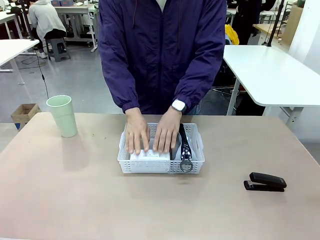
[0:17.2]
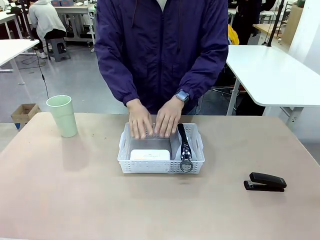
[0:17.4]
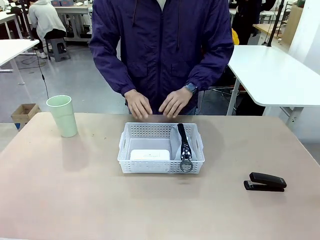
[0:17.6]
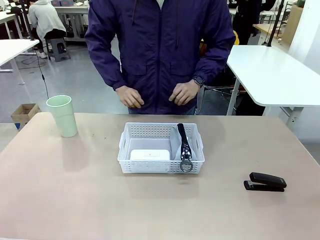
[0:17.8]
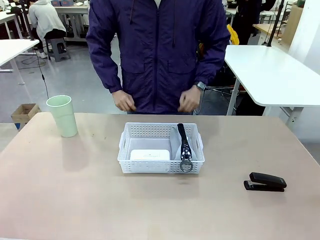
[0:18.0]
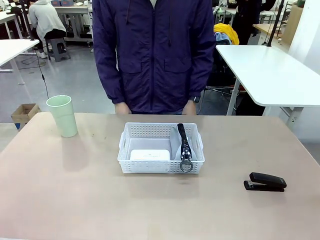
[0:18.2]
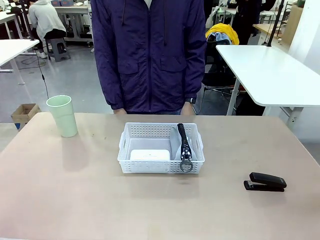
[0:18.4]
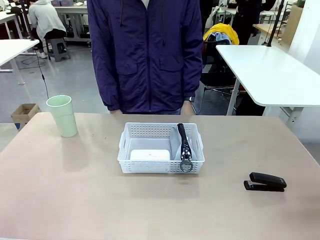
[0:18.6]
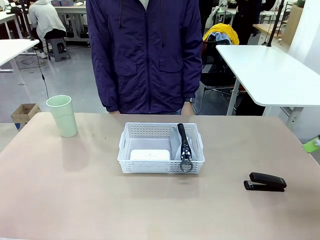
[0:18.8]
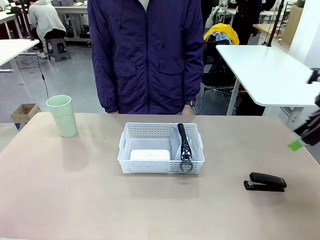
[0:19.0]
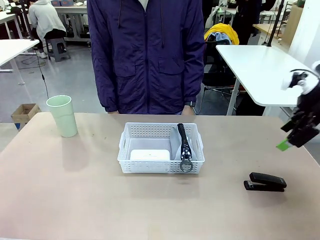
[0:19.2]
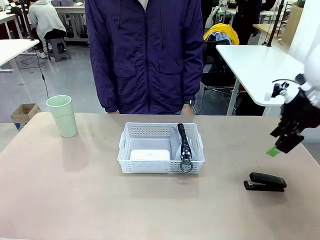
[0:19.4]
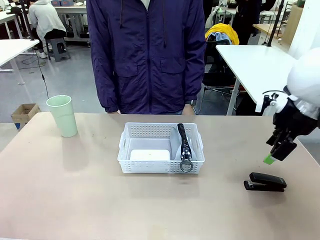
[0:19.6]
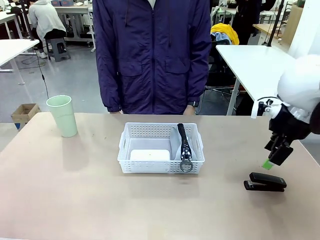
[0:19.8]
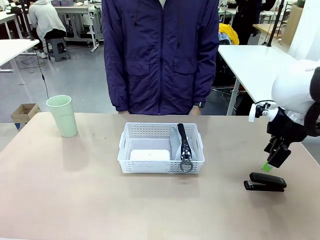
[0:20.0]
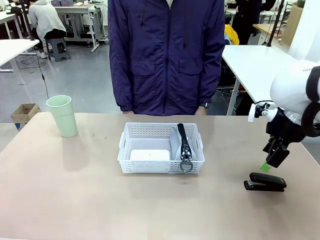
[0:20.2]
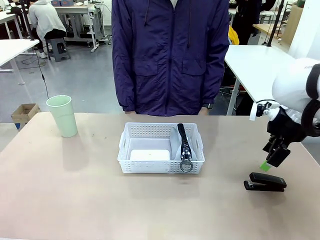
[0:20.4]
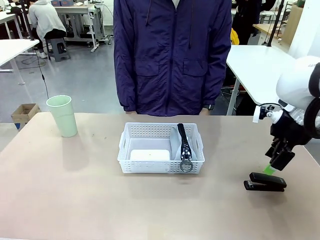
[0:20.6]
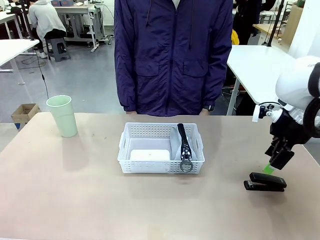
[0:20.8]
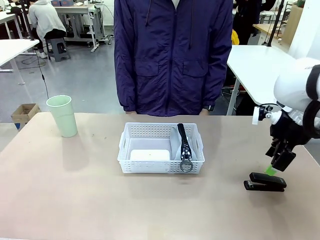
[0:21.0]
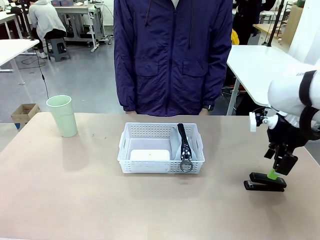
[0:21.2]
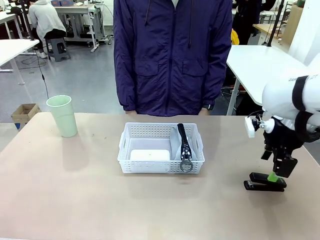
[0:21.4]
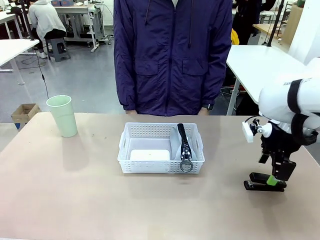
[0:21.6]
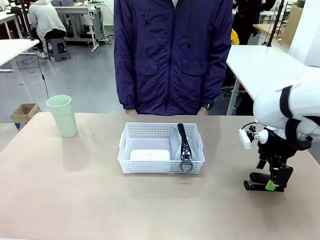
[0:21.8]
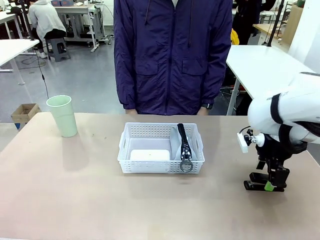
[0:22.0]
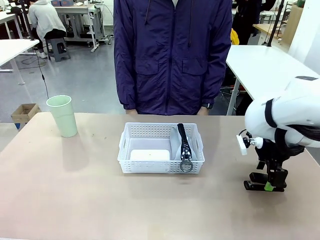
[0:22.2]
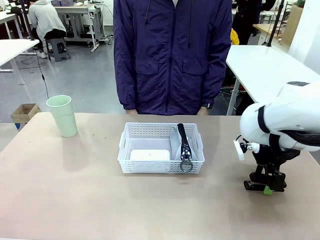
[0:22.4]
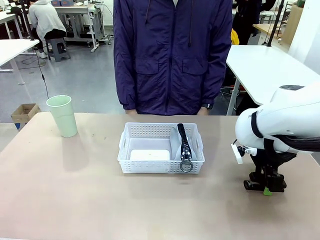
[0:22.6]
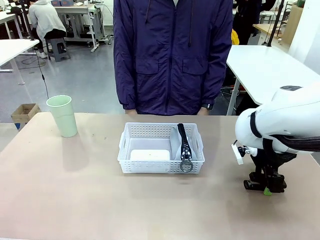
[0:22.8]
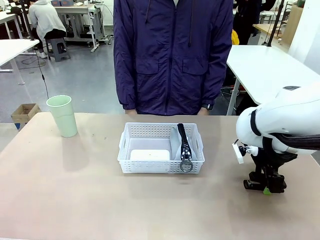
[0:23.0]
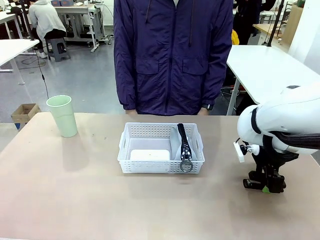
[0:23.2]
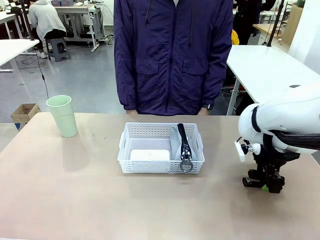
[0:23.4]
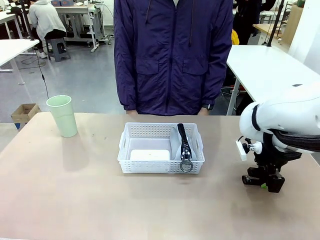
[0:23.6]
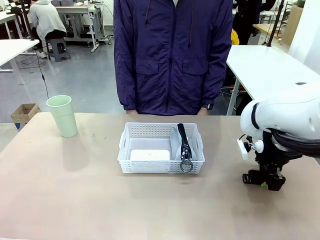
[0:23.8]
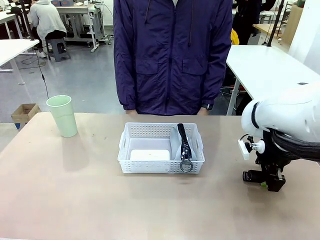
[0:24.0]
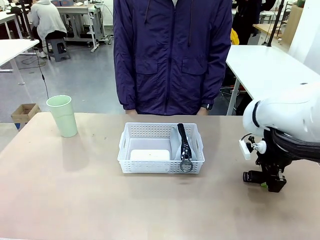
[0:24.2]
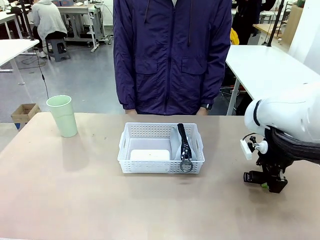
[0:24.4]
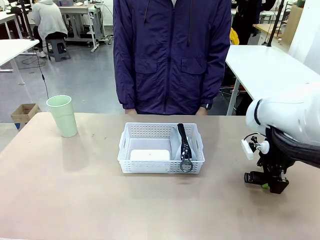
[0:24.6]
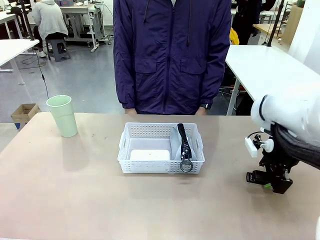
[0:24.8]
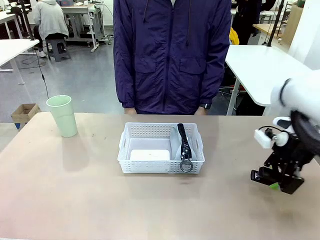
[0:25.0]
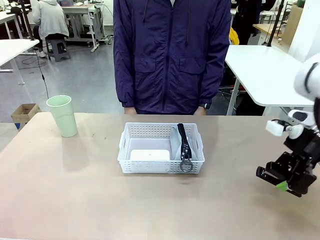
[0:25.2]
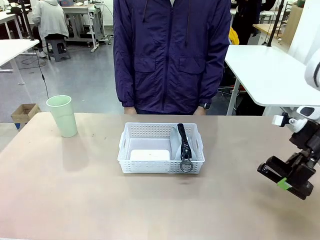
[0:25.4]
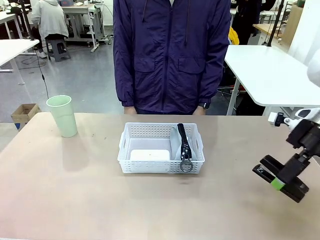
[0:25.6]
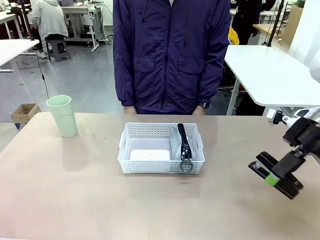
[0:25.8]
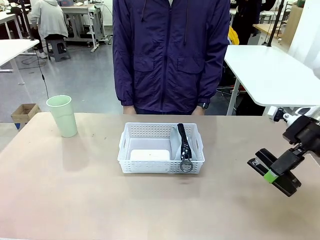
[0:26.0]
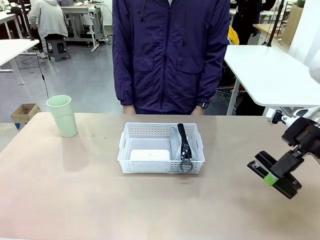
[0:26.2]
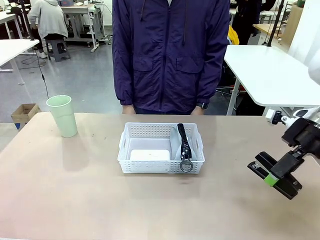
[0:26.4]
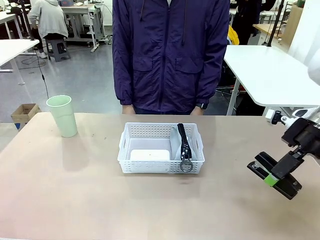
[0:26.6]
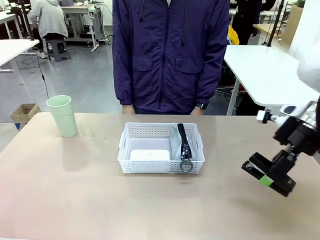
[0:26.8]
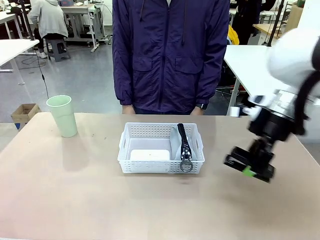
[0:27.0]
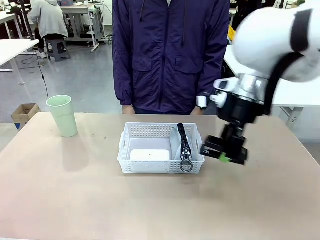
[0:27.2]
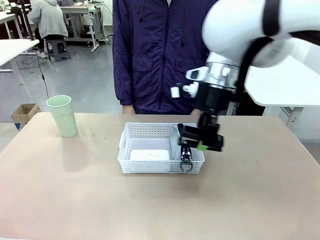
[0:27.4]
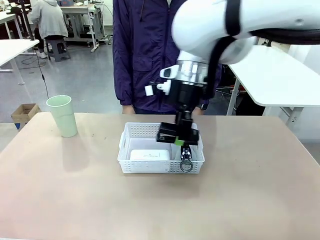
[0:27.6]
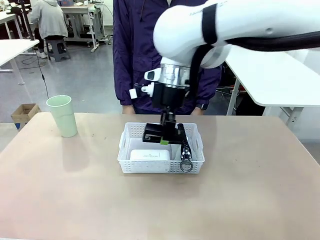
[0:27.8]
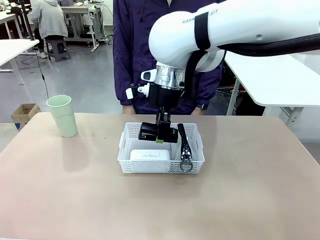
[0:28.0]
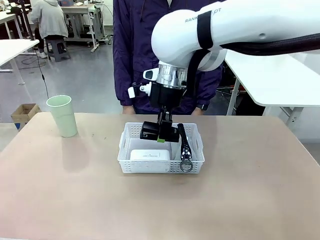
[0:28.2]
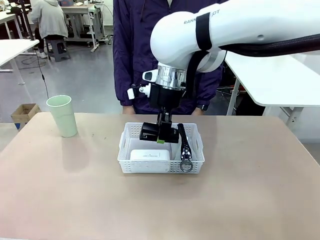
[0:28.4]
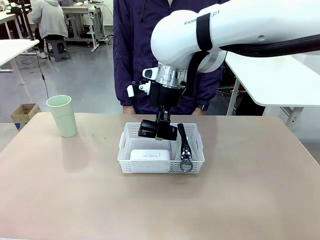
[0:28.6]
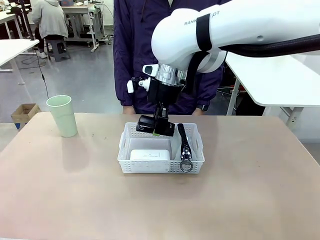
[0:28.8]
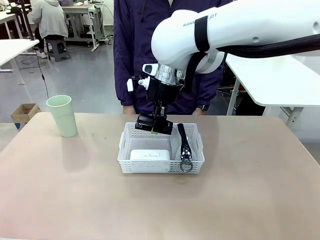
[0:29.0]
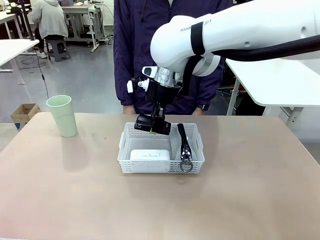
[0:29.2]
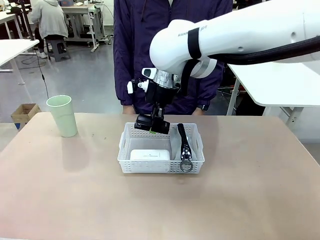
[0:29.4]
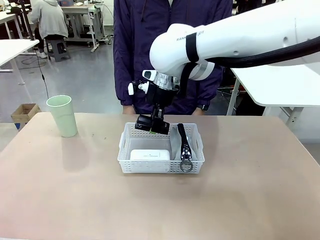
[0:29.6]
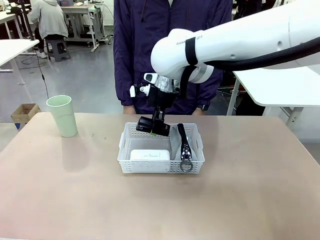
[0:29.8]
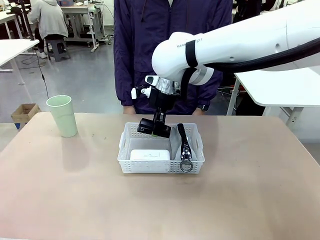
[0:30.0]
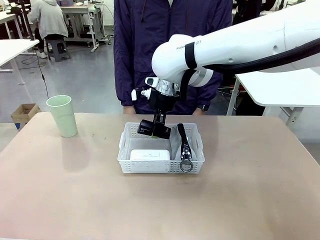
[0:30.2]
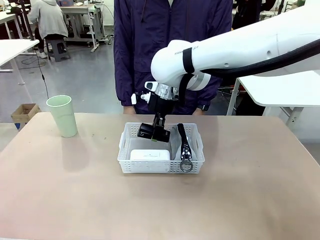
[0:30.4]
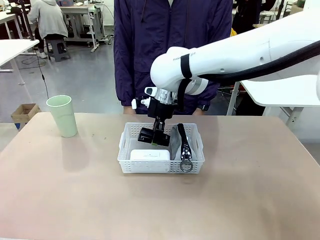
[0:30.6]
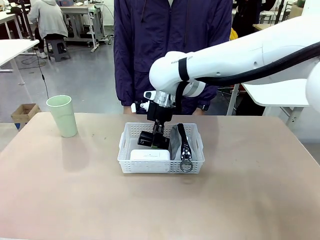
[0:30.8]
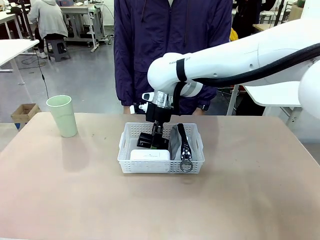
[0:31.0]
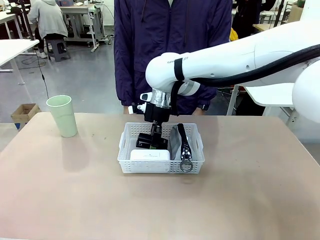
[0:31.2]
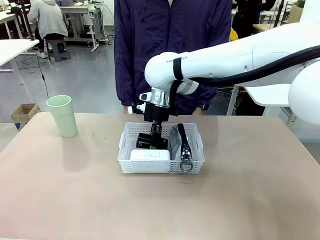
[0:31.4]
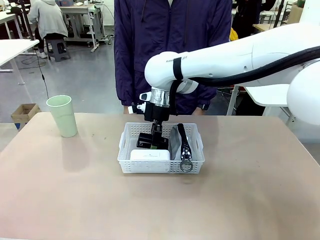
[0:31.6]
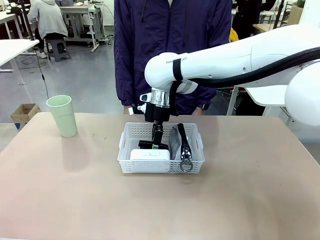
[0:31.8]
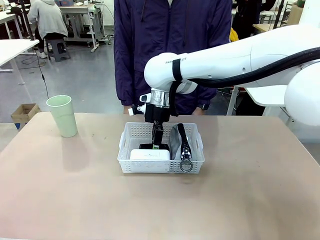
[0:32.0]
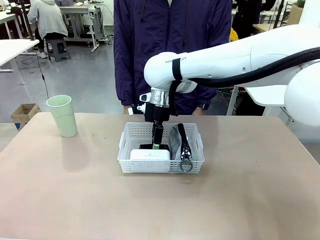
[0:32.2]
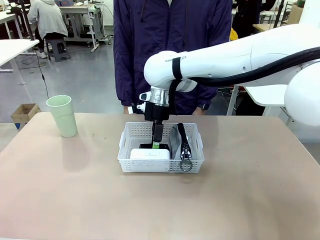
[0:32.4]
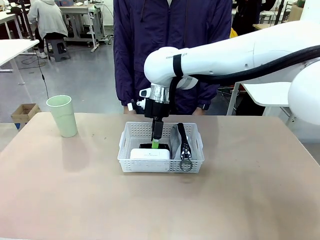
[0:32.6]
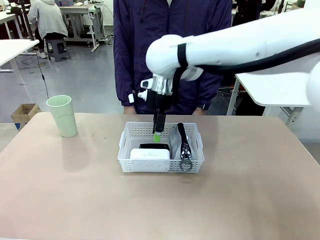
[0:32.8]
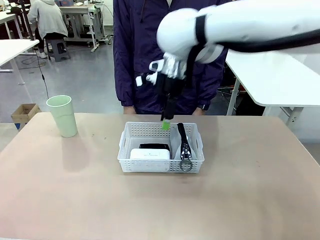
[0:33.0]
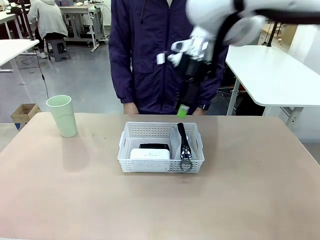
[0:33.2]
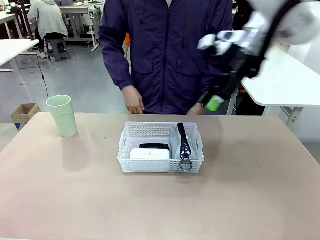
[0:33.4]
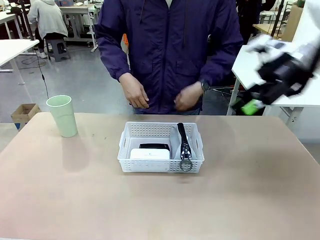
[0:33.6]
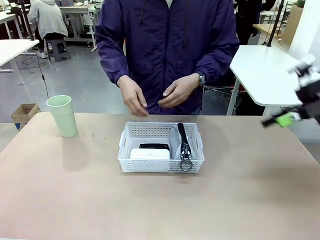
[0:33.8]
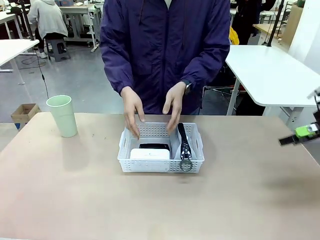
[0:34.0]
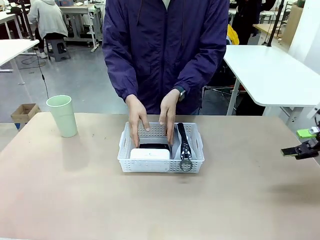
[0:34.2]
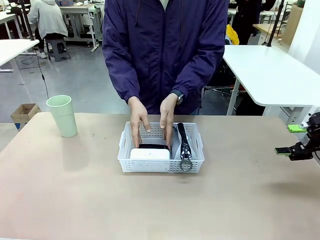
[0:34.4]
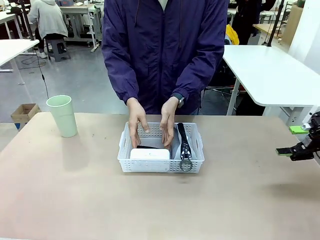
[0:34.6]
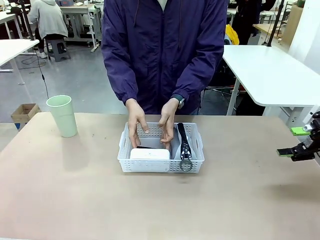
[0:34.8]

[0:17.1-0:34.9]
Task: Efficiently arrange items inside the basket to fit them all.
Robot: Pick up the Stapler and place it inside the Organizing basket.
